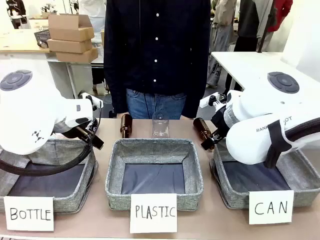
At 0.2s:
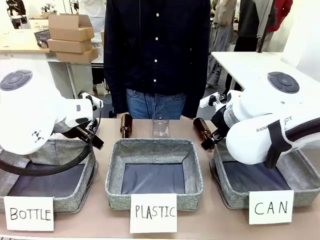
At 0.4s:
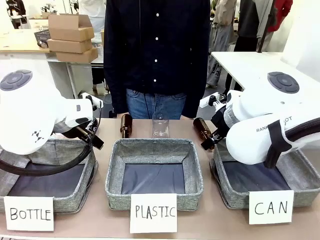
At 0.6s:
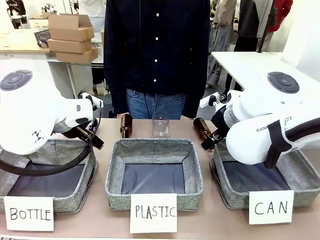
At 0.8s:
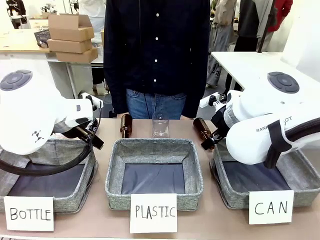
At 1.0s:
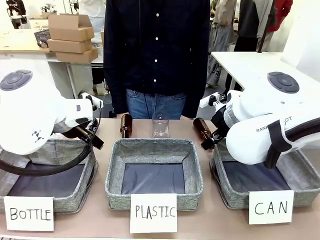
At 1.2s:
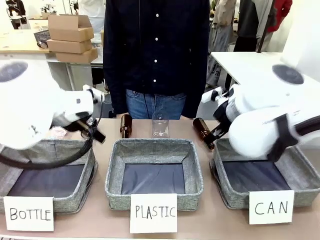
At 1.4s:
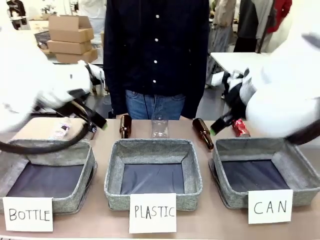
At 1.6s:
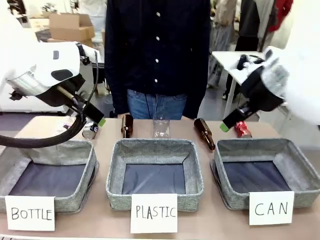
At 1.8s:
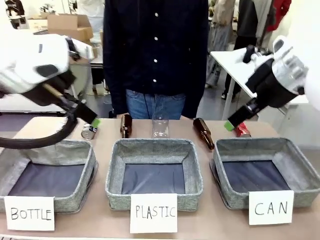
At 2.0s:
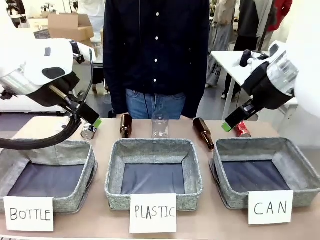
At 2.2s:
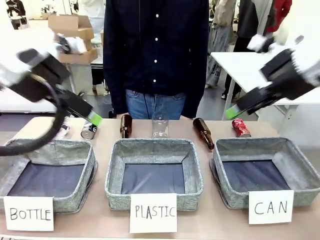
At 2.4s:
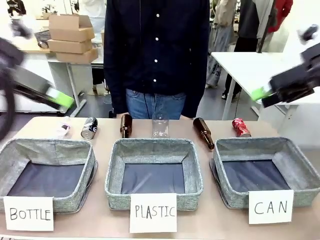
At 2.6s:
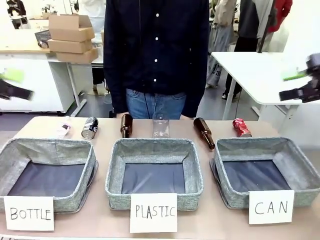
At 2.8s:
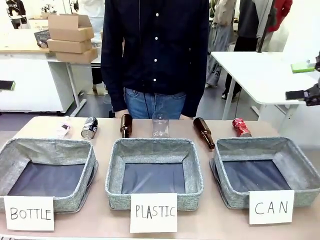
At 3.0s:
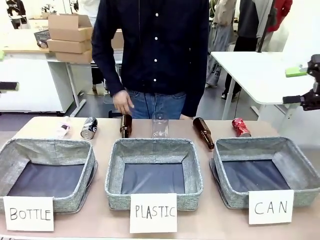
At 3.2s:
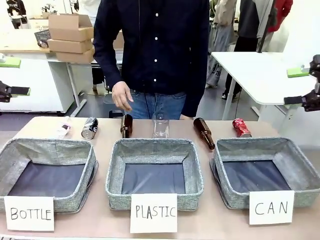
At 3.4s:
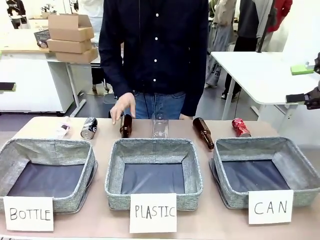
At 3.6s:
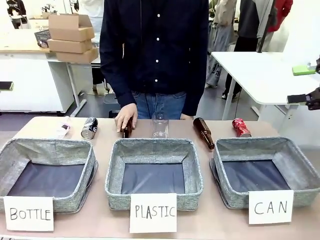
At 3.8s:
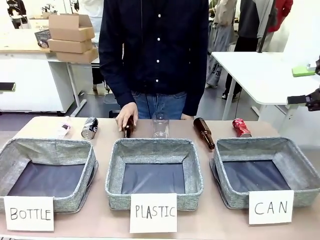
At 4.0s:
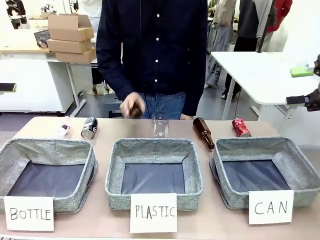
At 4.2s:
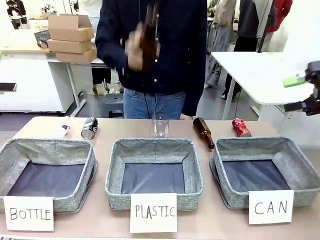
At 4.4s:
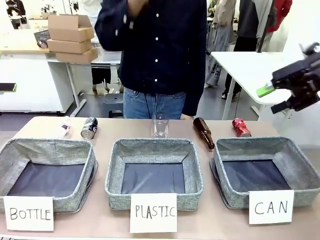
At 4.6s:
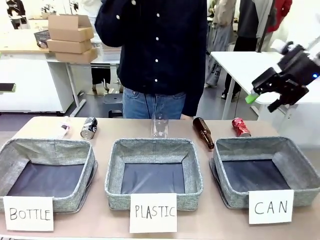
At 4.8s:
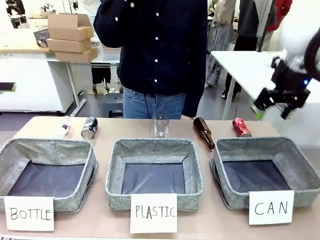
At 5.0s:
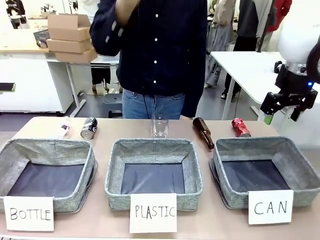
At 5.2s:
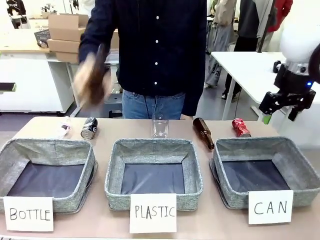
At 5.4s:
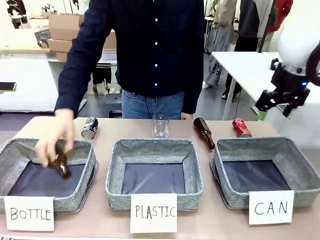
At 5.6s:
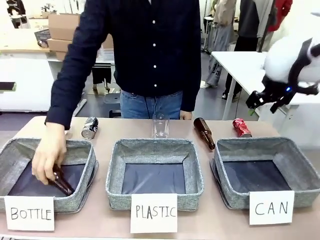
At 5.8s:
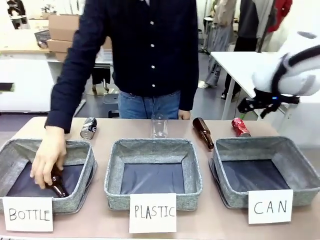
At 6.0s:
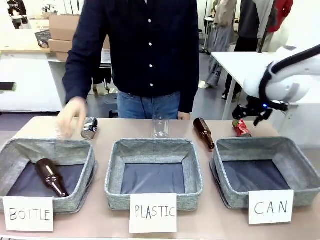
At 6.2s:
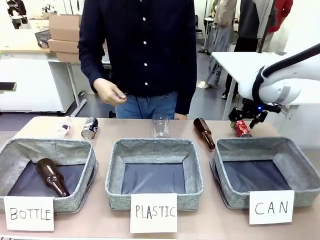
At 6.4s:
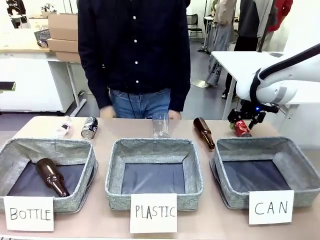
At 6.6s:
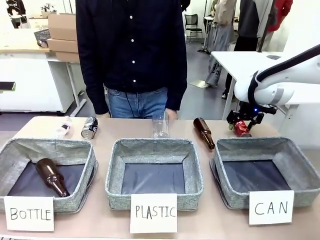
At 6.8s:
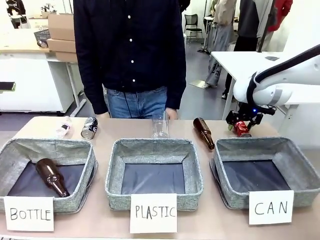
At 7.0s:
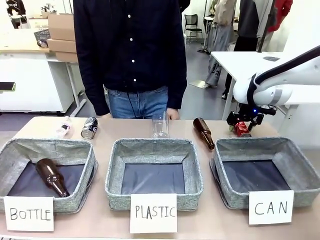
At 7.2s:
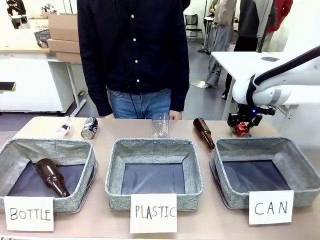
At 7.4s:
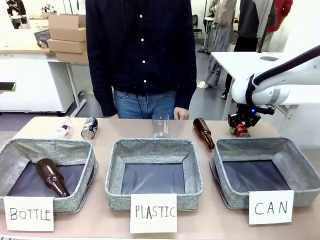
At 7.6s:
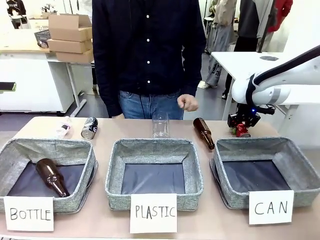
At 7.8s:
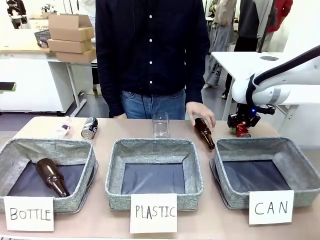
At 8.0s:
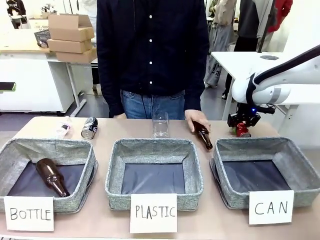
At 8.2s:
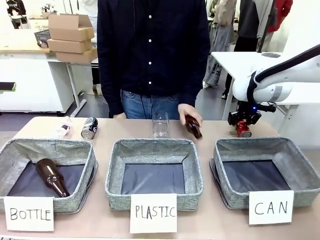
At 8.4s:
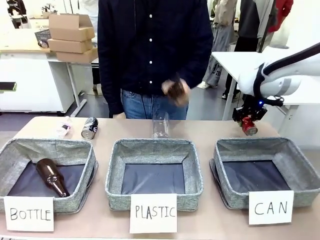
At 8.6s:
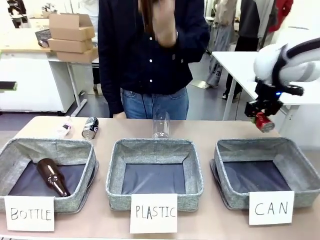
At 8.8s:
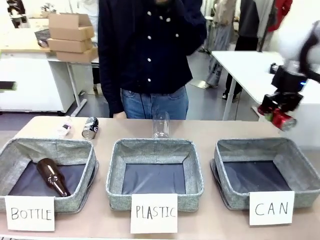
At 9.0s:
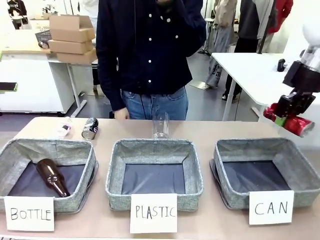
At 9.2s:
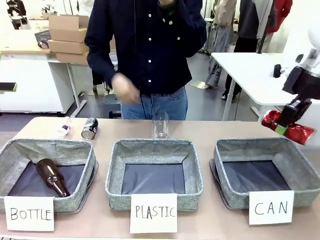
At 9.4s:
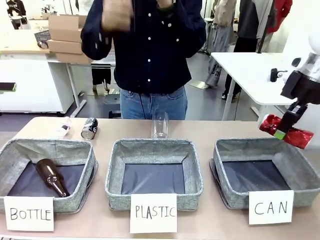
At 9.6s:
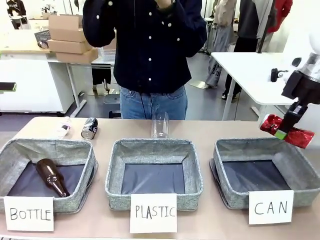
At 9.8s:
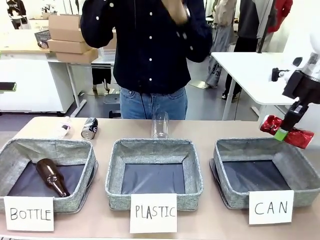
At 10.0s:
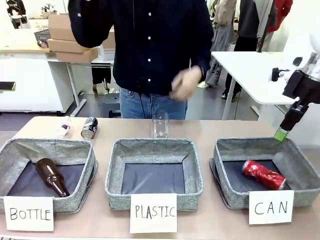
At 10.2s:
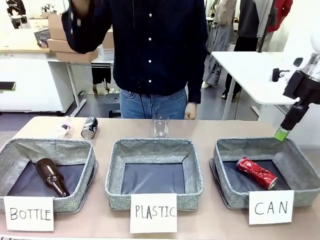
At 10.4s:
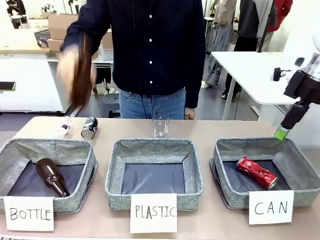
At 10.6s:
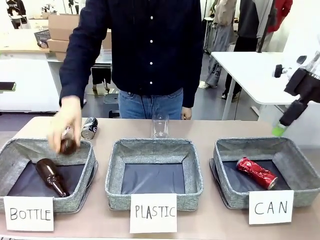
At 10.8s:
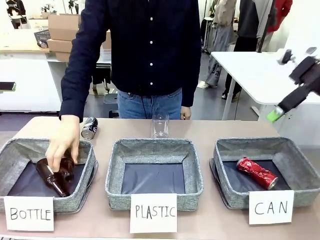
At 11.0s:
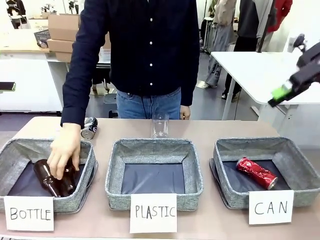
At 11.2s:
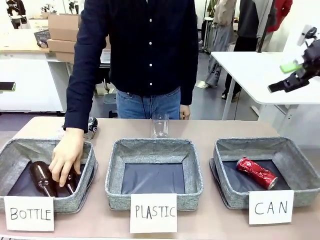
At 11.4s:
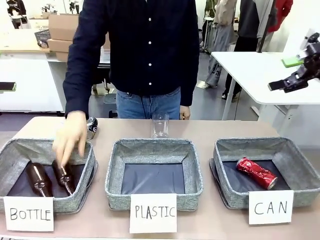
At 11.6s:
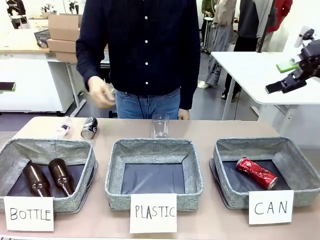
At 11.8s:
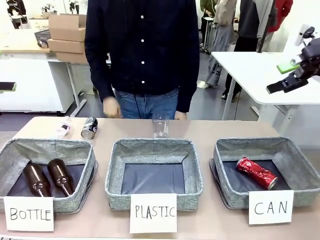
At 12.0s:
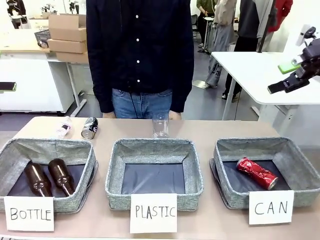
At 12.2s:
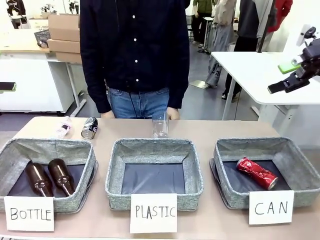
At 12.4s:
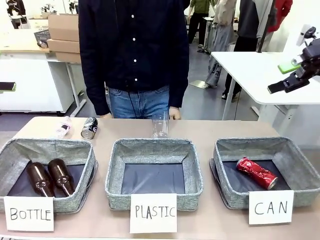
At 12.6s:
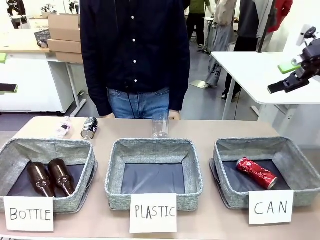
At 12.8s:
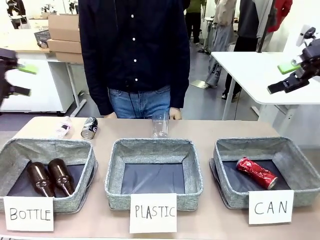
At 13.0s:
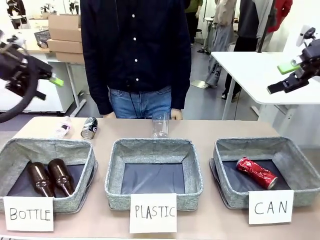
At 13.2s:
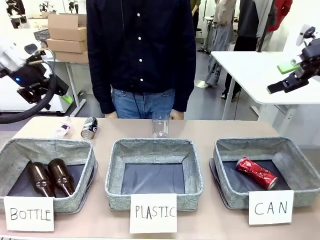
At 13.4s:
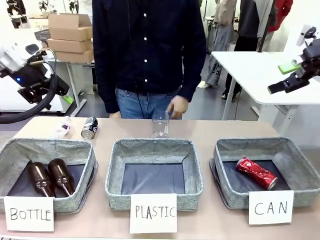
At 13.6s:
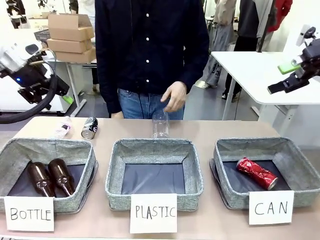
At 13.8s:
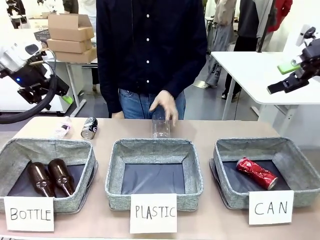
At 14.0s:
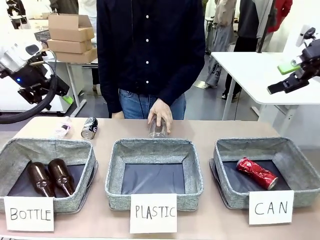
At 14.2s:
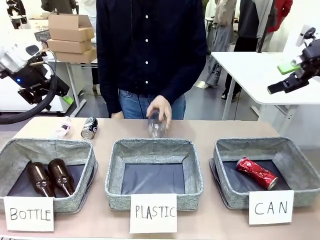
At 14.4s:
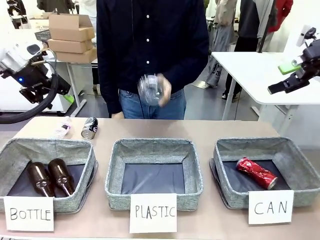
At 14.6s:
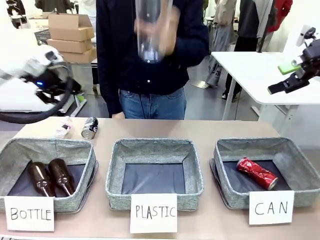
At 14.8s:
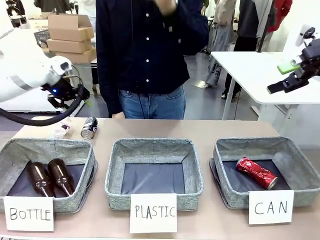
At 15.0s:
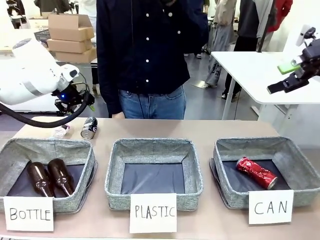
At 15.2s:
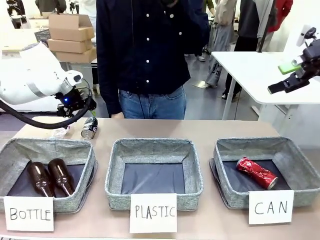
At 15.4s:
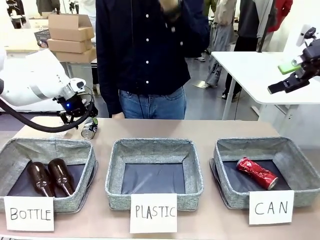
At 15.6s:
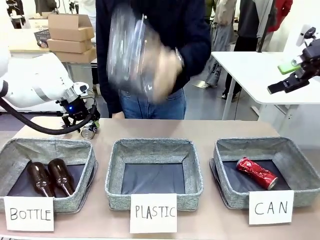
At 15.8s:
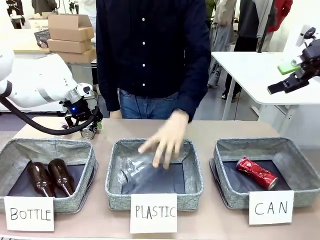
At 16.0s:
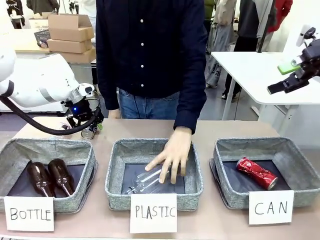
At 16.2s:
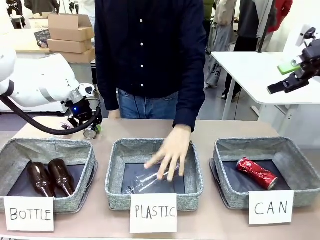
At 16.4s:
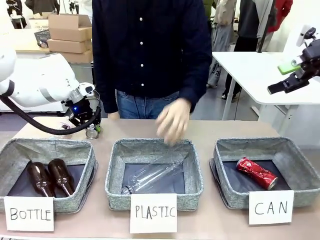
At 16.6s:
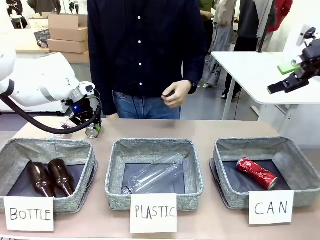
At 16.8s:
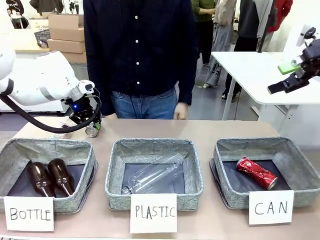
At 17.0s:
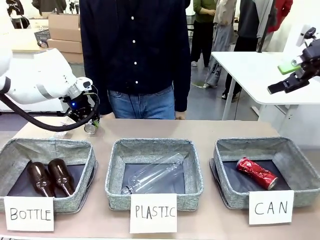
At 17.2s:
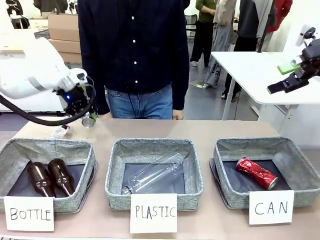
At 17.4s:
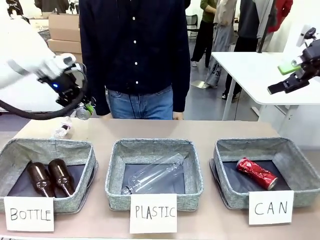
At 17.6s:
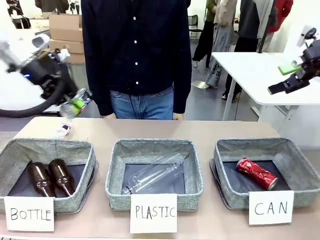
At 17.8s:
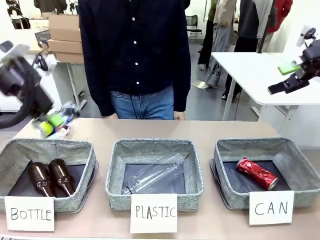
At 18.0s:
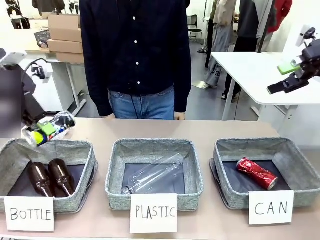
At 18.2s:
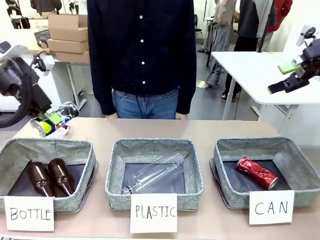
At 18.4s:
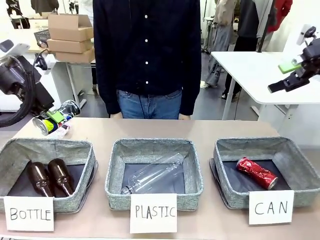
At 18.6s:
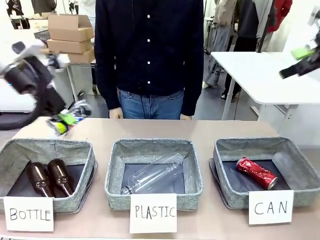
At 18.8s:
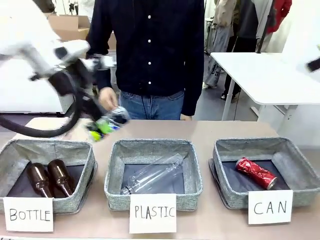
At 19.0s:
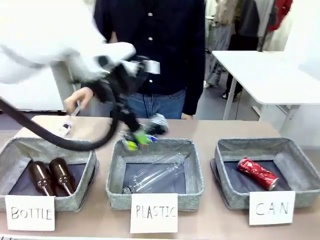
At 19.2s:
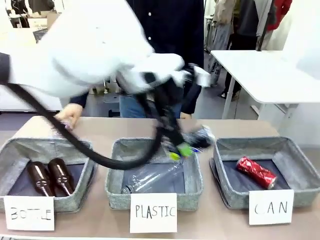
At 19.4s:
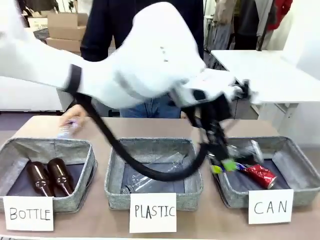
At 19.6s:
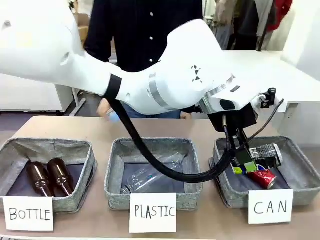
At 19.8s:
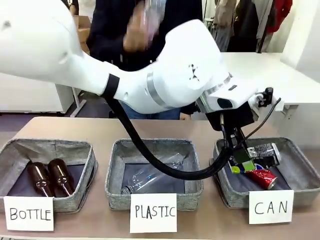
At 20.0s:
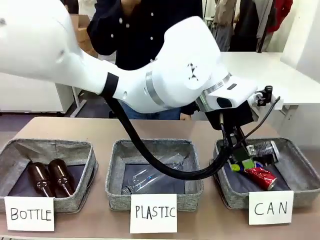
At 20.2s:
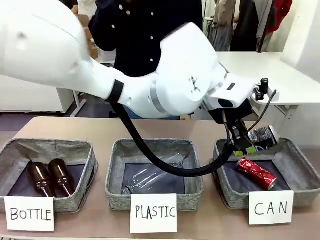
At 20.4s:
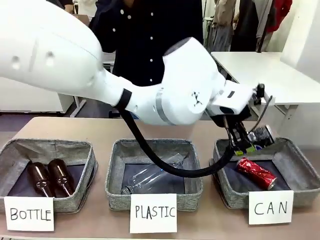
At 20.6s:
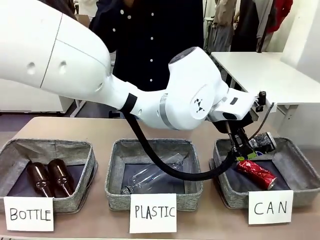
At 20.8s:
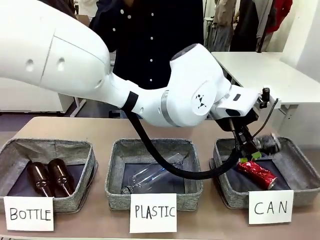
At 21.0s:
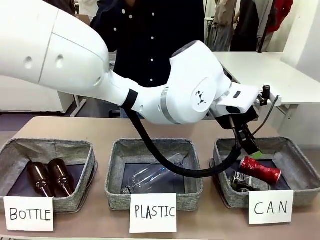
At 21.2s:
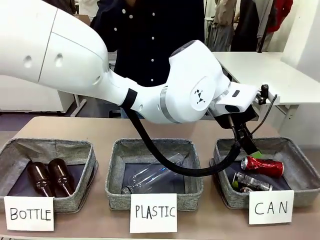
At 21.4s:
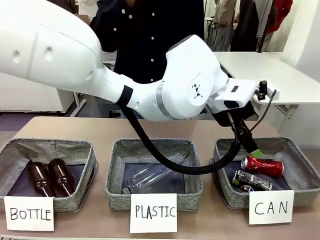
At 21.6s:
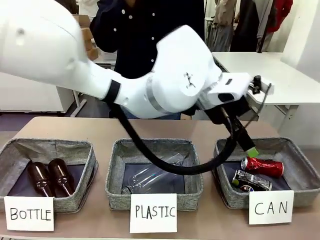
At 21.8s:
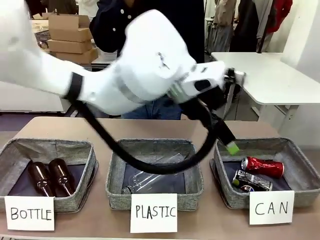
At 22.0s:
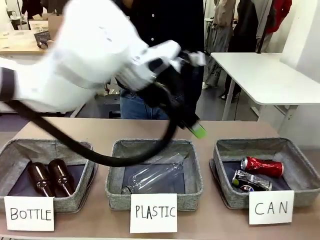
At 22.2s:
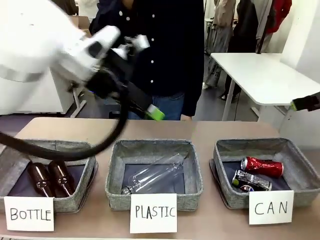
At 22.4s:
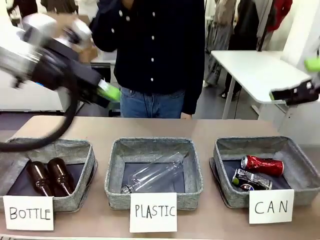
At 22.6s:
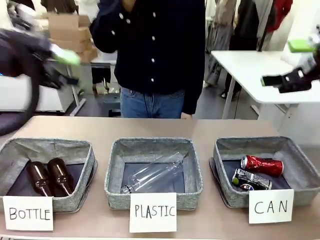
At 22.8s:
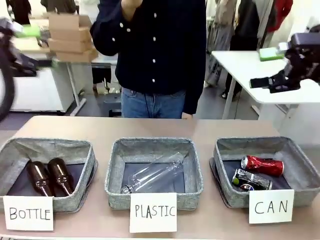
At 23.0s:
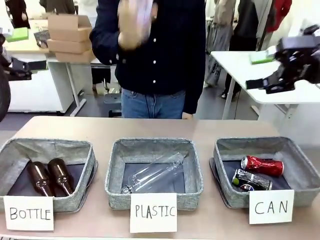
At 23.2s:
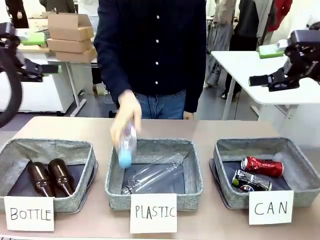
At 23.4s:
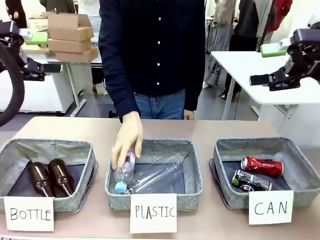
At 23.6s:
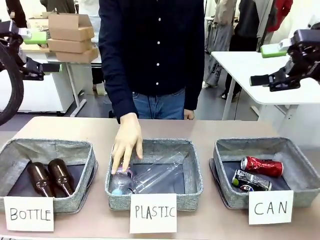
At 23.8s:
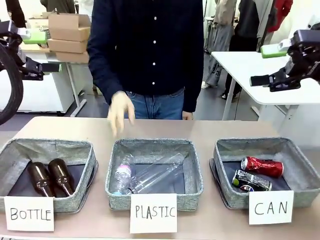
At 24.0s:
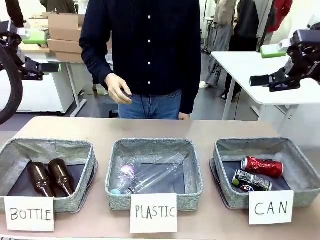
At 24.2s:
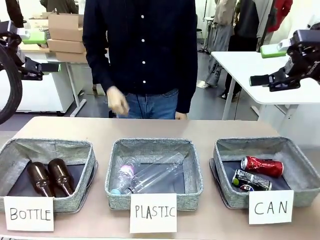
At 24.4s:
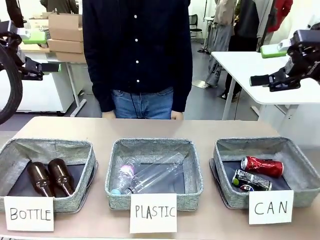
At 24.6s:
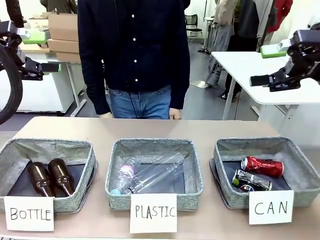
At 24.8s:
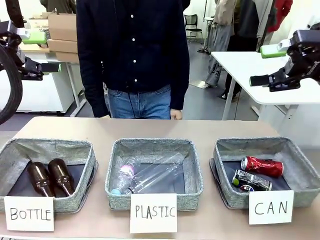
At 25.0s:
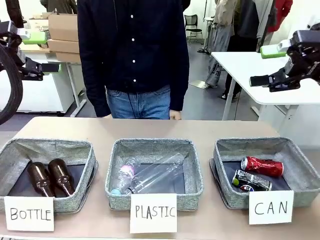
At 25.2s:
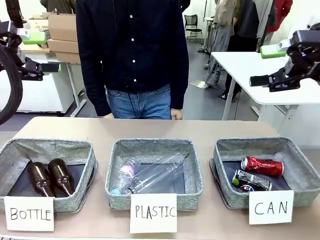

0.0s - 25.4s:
Task: Sort the can waste into the basket.
Robot: Pick up the can waste from the table and place it in the right Fabric basket.
Person: The human picks up one piece of trash that is not a can and places the trash into the appropriate organizing basket.
